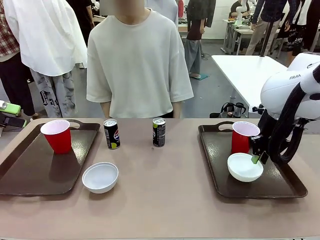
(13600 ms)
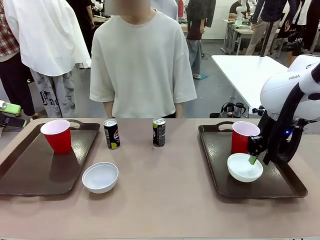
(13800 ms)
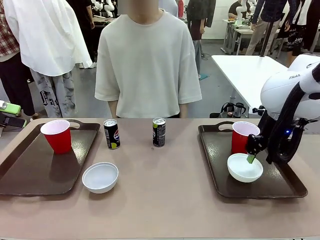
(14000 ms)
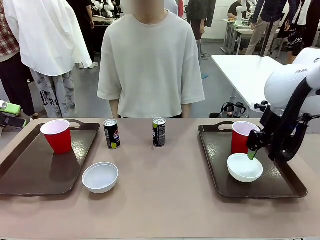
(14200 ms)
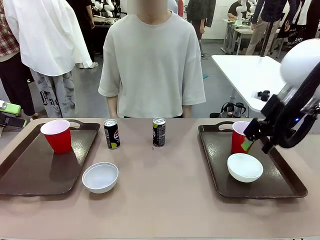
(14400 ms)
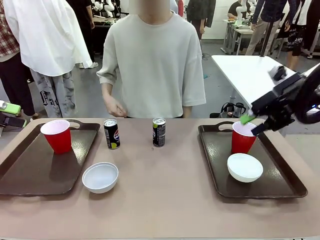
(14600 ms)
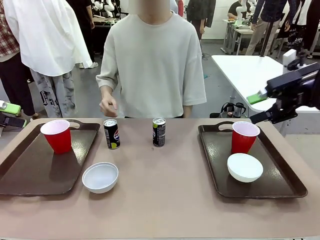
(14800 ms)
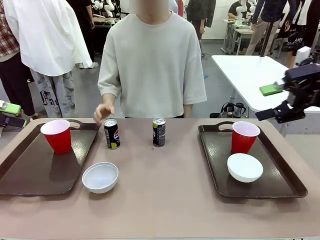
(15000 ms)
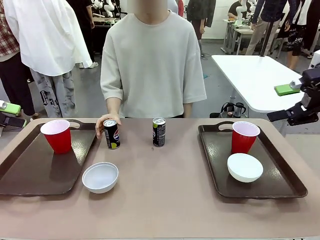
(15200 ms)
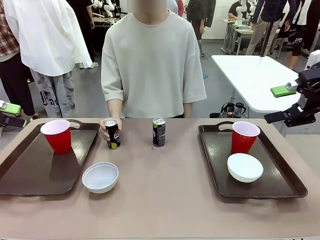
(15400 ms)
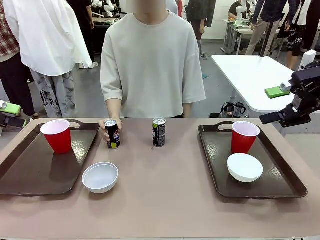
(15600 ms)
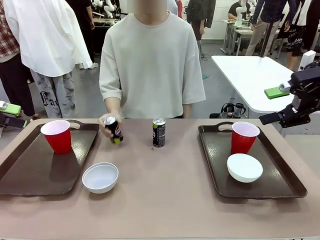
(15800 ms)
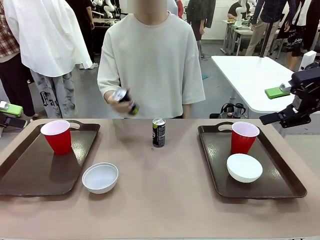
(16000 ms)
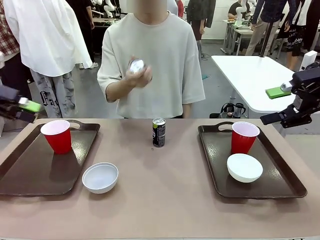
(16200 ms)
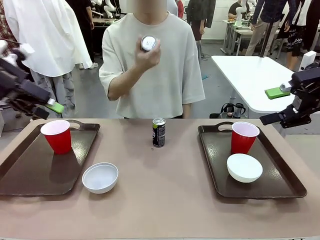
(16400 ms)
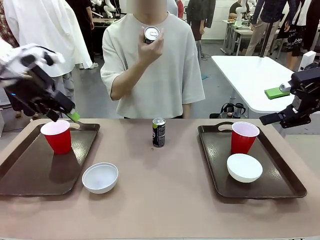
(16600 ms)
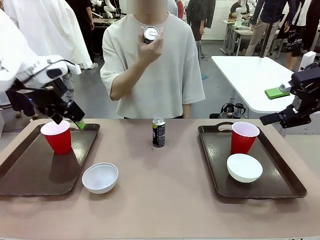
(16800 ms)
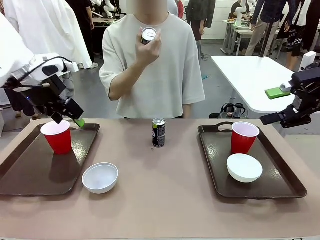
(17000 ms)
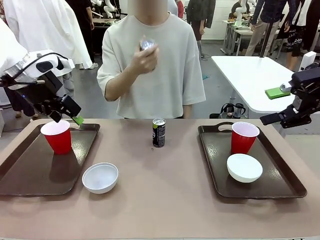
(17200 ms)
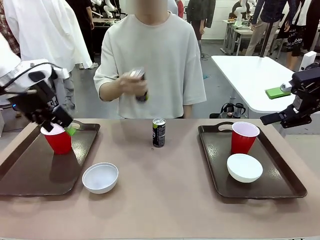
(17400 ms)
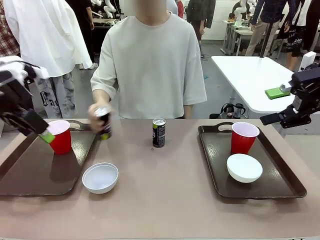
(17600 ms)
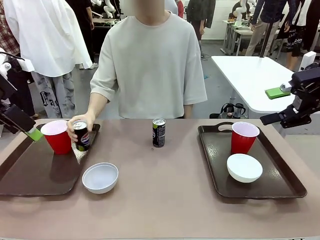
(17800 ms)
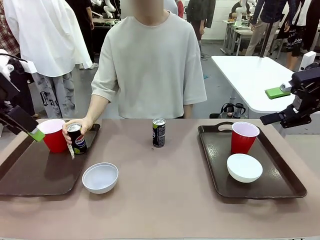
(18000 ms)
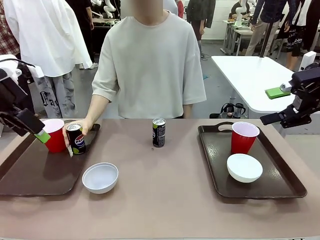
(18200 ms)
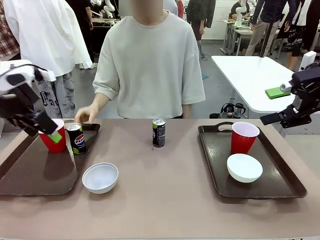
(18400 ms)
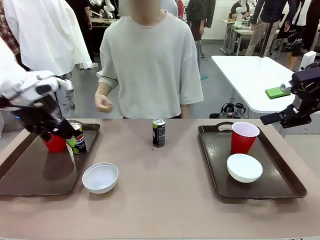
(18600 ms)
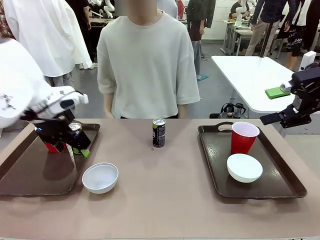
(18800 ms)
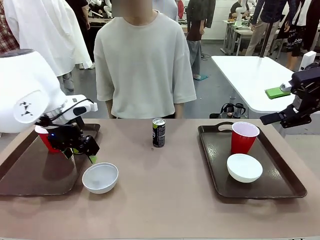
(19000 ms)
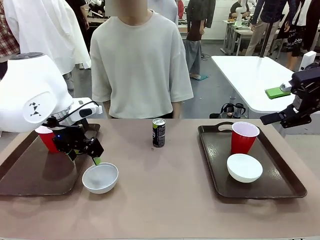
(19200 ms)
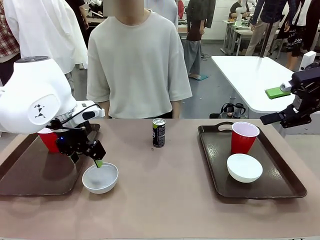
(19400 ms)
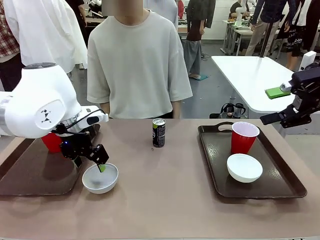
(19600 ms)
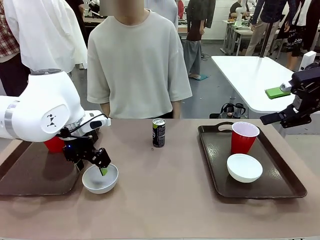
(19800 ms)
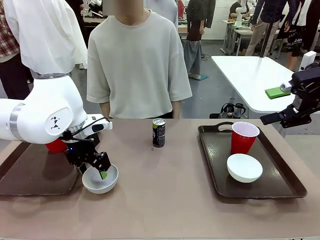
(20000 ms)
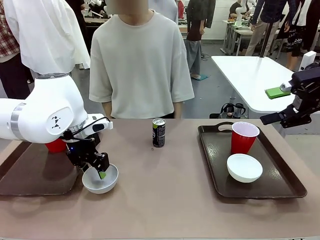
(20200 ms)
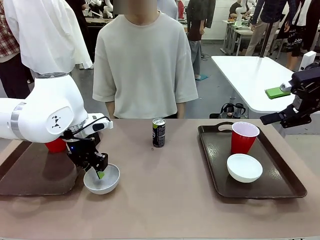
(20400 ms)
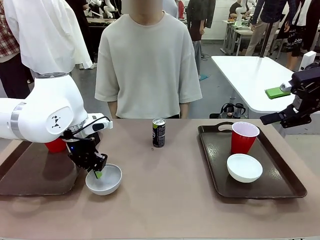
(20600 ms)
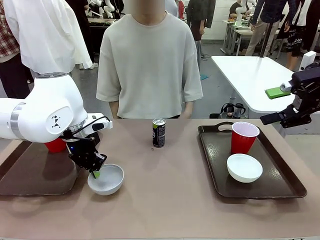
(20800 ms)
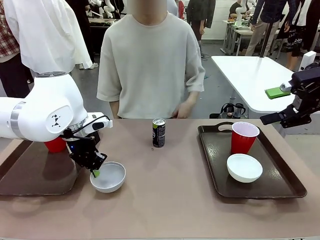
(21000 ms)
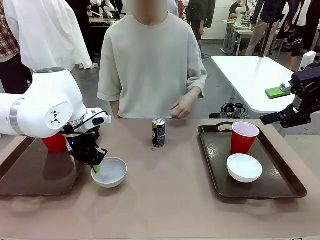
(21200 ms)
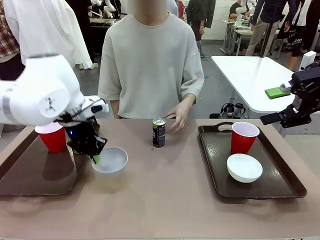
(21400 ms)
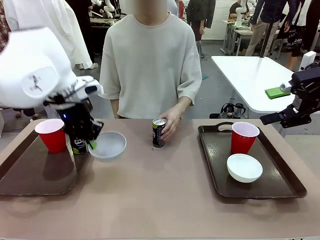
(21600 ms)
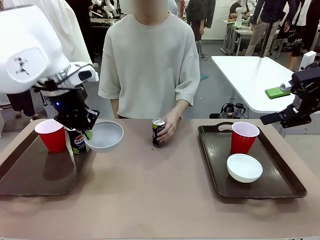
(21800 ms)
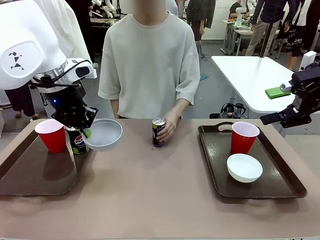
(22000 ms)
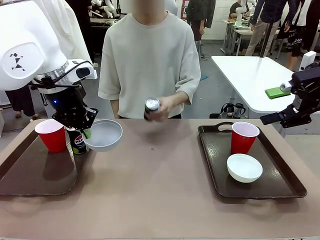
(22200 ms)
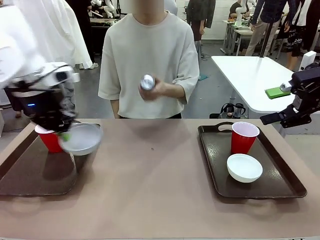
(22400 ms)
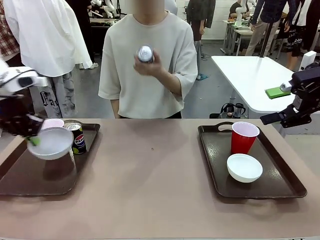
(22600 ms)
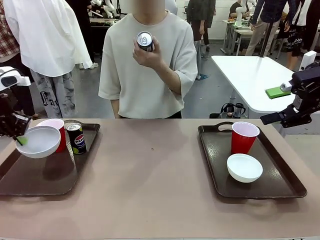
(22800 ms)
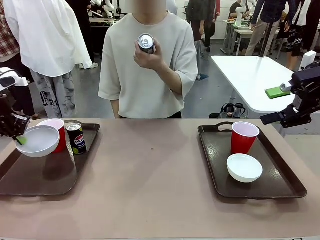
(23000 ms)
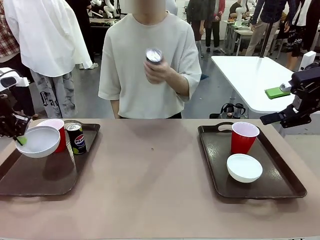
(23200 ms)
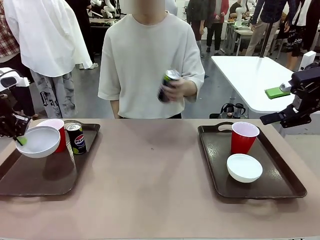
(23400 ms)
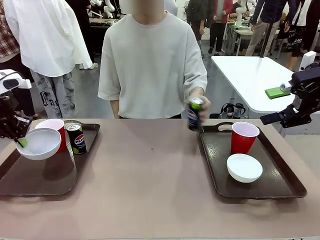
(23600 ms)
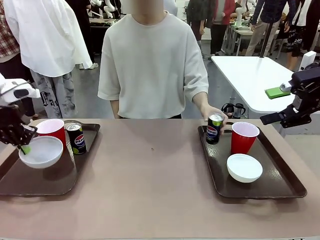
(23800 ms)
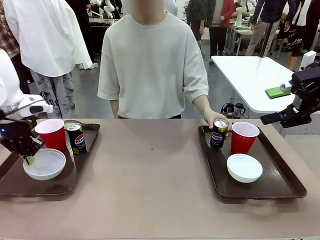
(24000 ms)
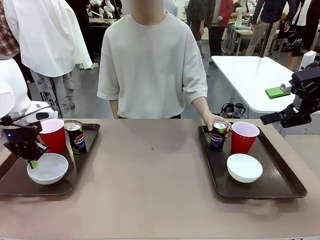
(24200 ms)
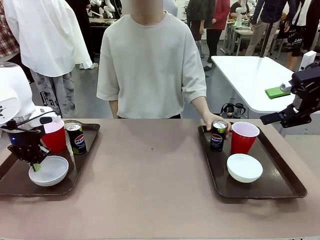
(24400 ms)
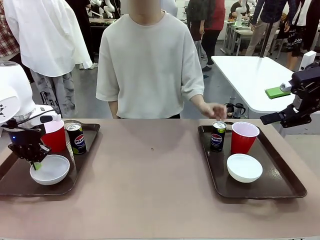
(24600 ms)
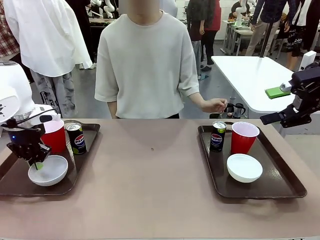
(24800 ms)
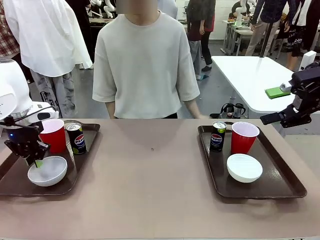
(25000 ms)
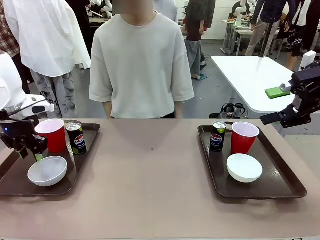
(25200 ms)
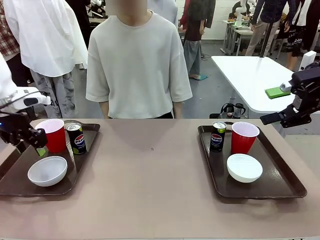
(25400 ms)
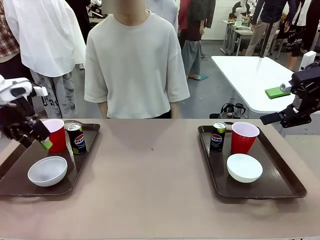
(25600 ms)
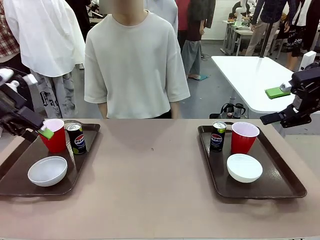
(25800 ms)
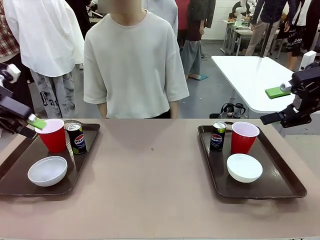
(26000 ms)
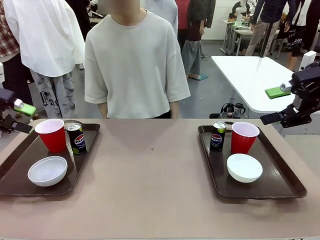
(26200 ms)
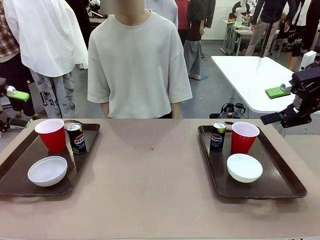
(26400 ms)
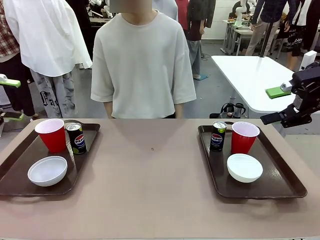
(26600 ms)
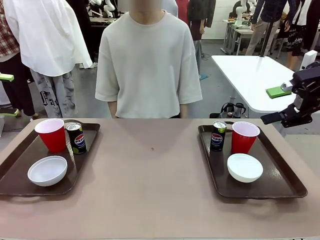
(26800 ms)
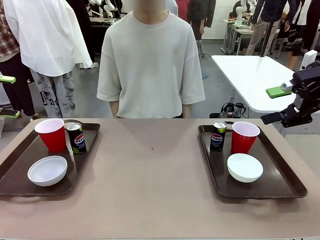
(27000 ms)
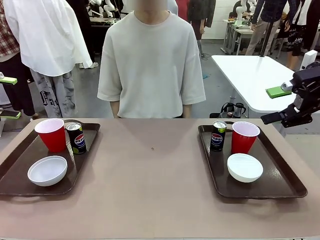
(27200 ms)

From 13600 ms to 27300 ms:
Task: Prepare tableware on both trays.
Robot: Pick up a Picnic Bowl from the table and place it on a Handle tray.
Person: Pick up a can or cup and place it on the tray without a can or cup.
